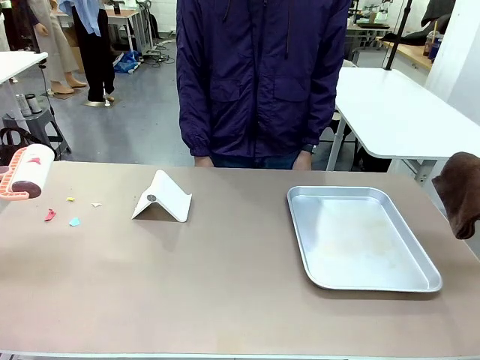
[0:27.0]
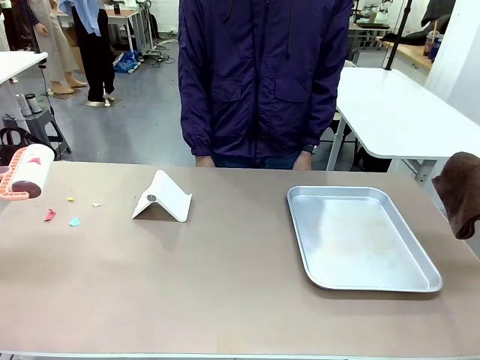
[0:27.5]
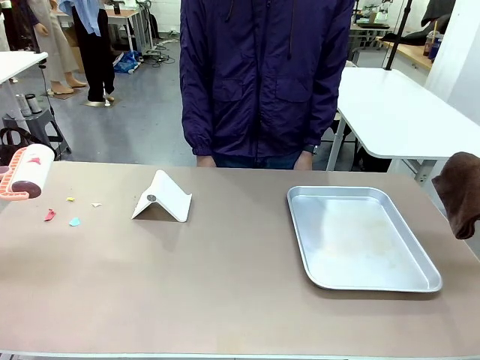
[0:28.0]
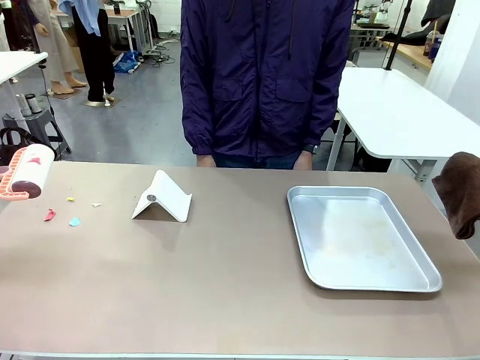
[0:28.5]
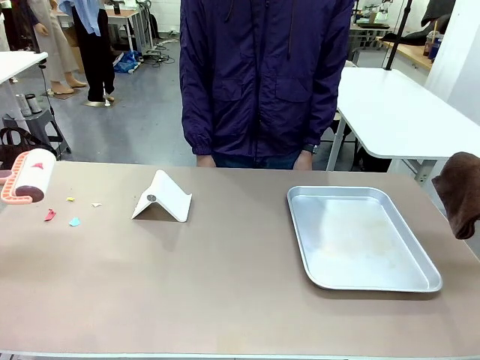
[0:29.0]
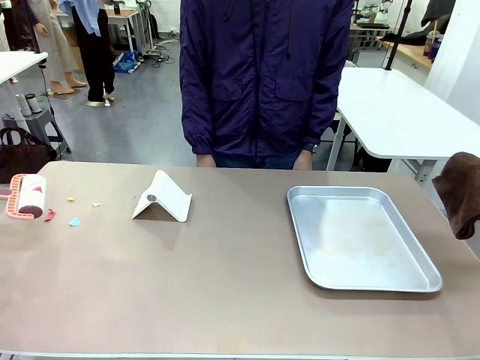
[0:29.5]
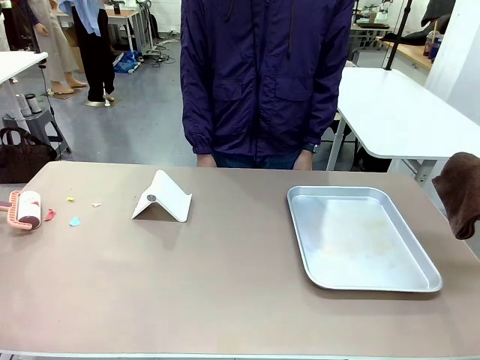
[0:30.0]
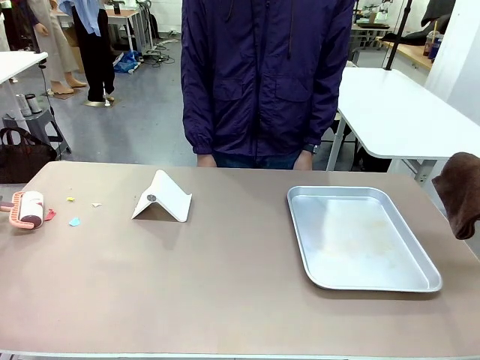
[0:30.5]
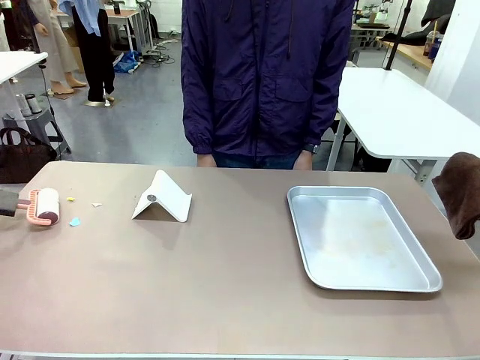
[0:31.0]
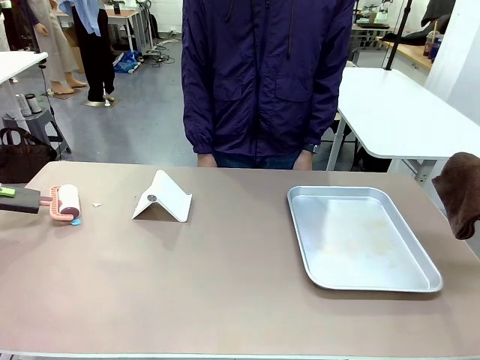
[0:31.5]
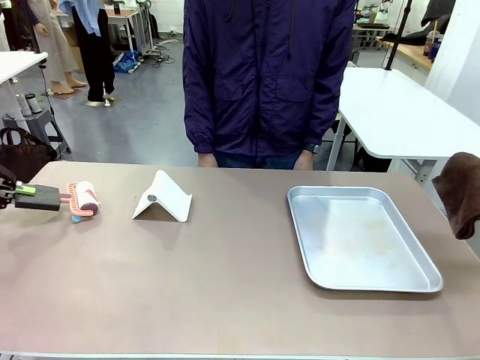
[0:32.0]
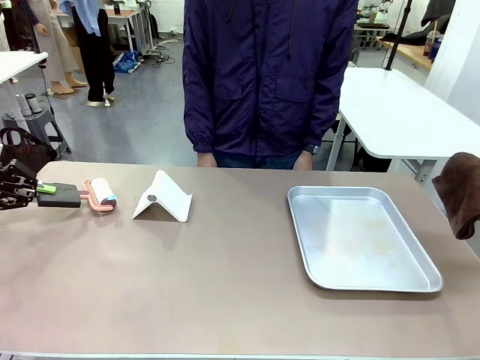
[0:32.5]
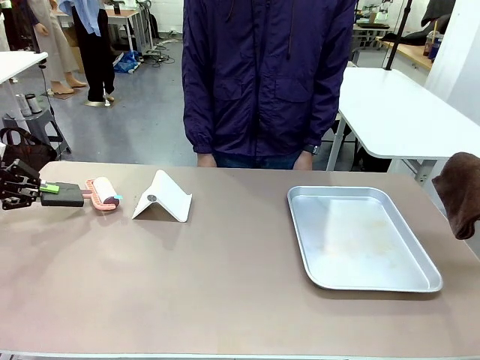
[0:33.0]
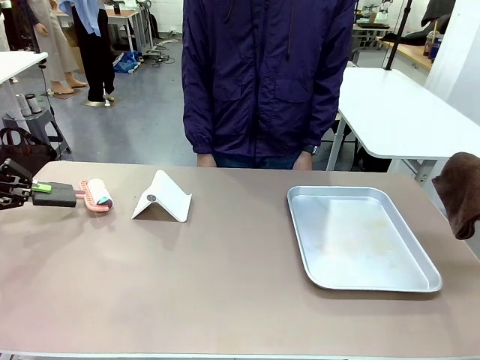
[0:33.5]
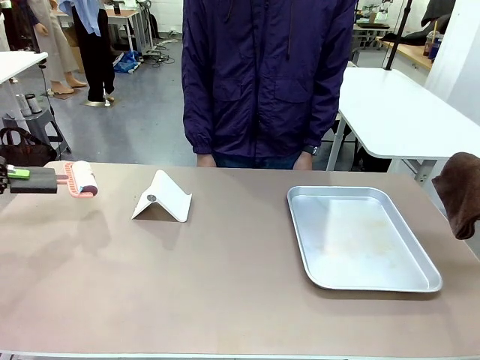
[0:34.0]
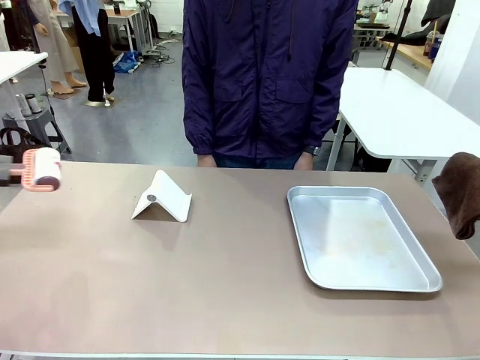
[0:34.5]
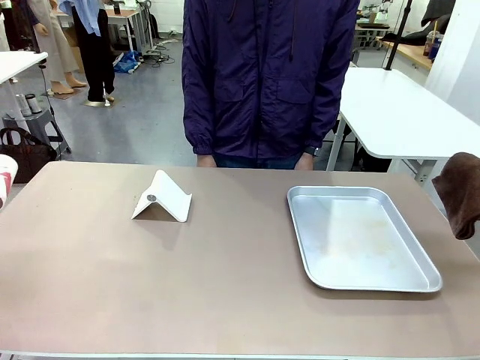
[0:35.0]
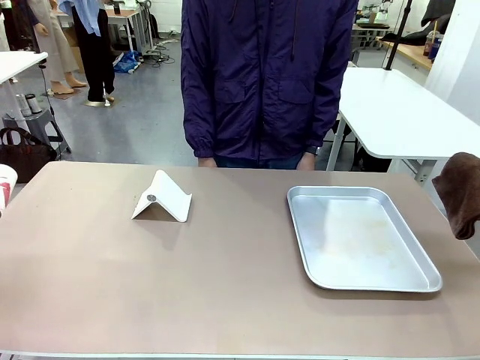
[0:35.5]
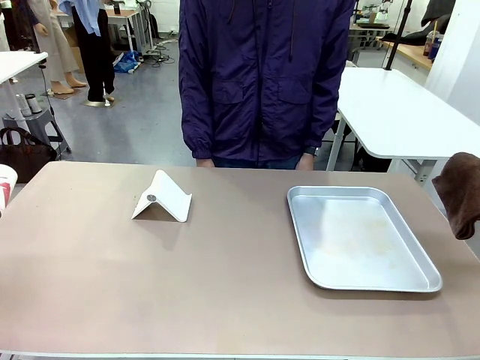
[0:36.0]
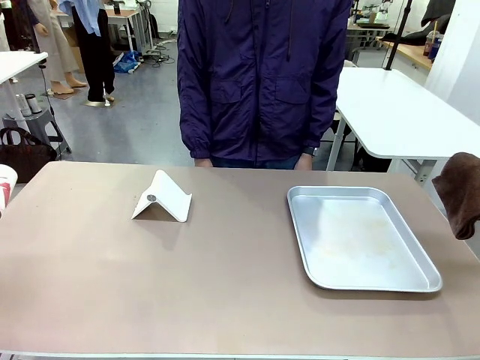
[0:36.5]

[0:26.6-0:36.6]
Task: Clean the surface of the table.
Robot: Clean the area not pointed to by the person.

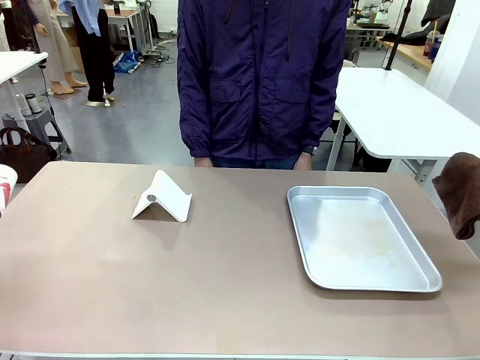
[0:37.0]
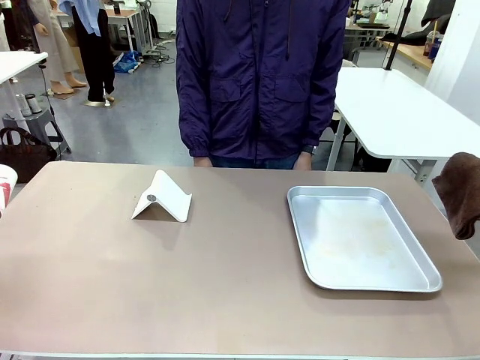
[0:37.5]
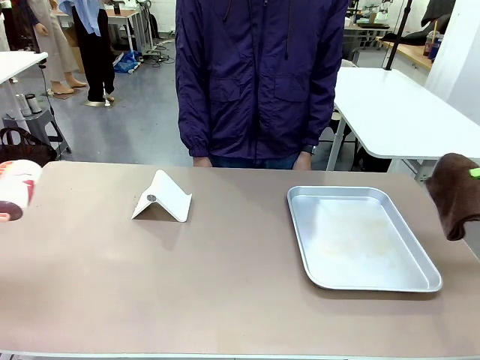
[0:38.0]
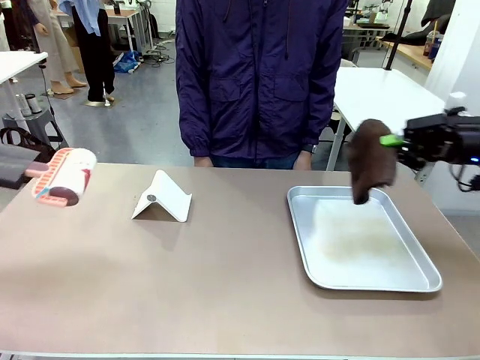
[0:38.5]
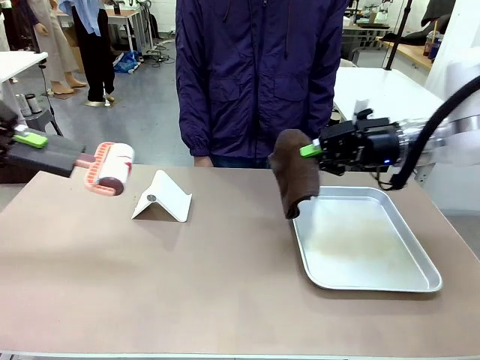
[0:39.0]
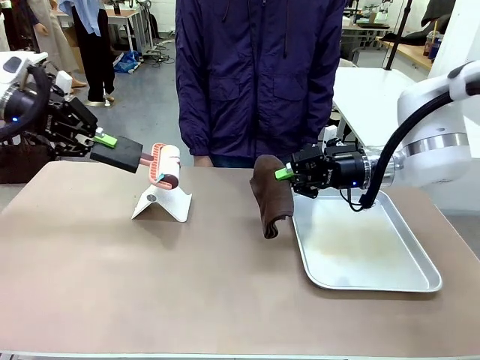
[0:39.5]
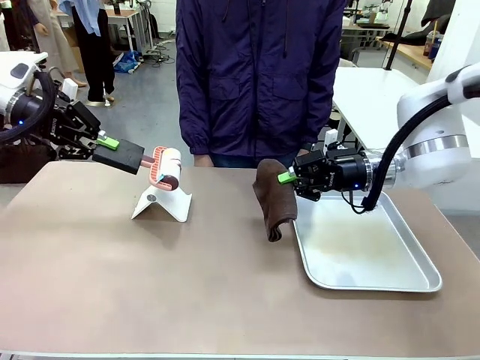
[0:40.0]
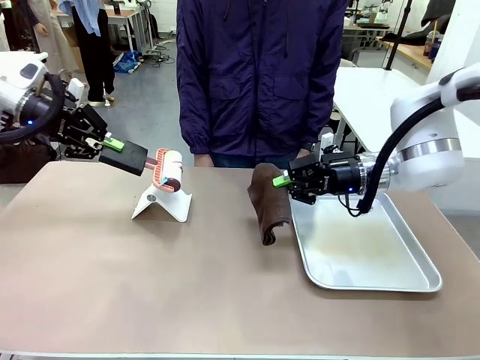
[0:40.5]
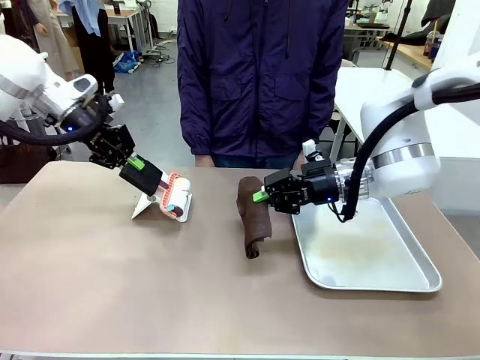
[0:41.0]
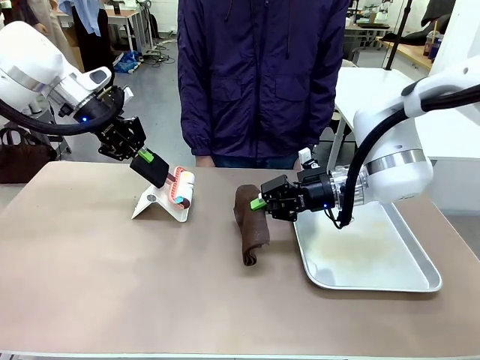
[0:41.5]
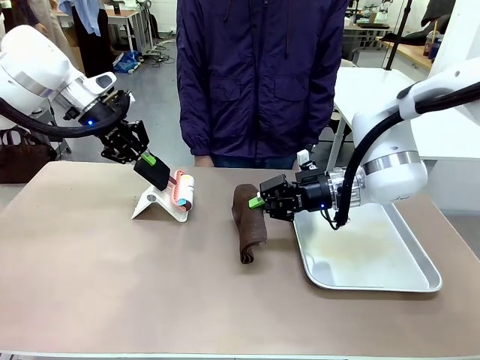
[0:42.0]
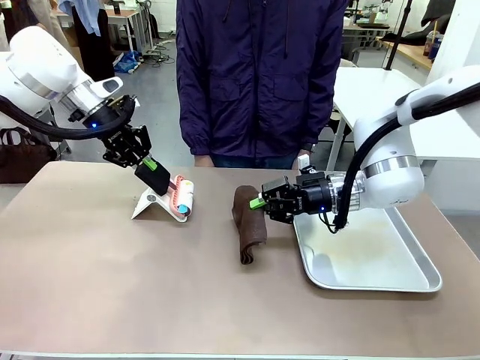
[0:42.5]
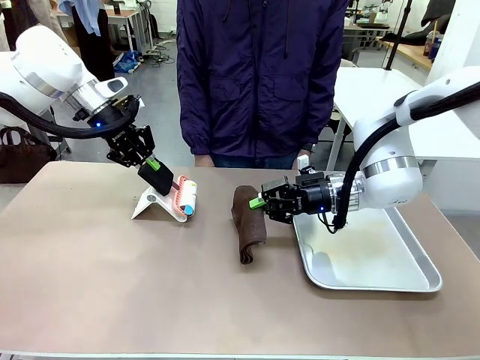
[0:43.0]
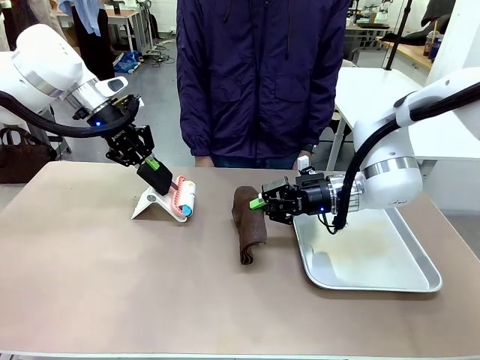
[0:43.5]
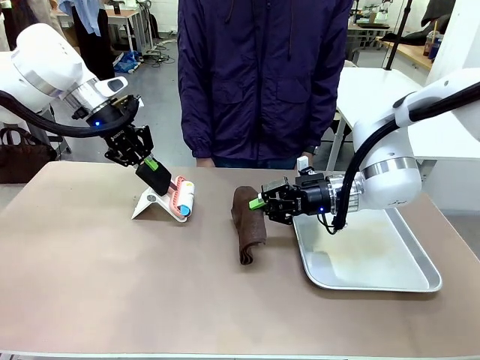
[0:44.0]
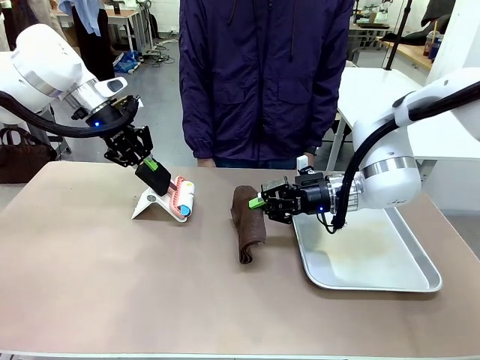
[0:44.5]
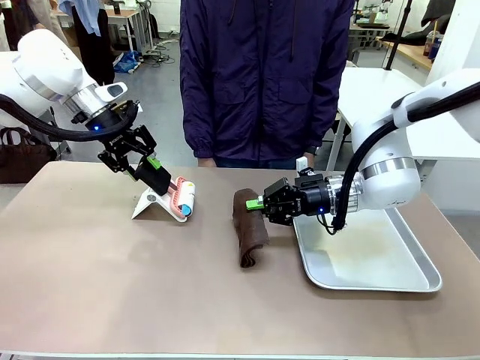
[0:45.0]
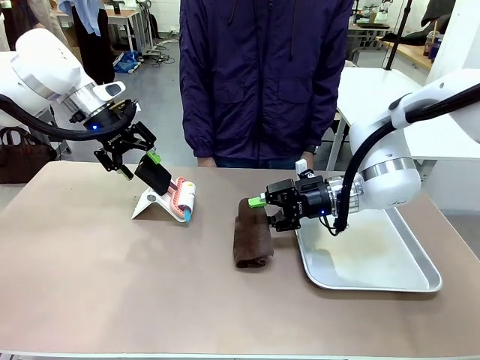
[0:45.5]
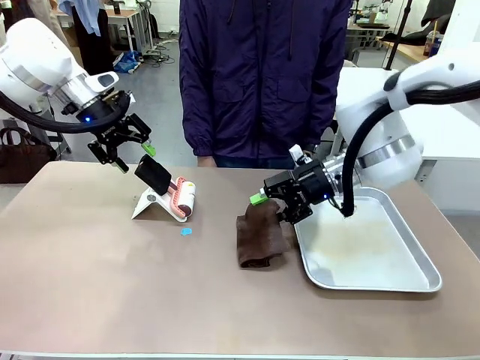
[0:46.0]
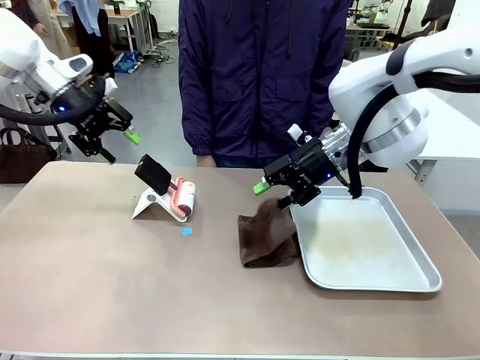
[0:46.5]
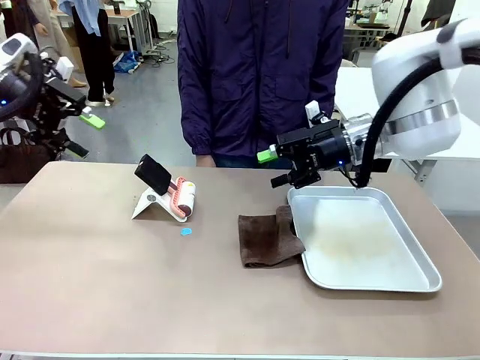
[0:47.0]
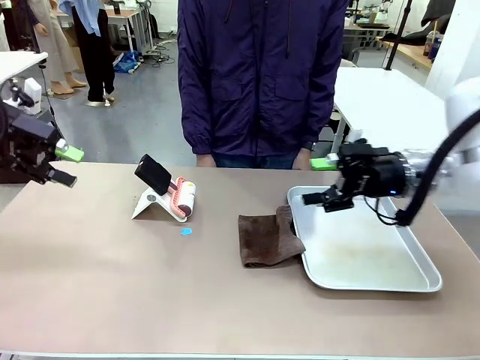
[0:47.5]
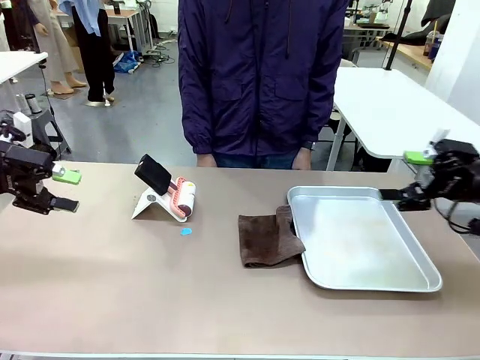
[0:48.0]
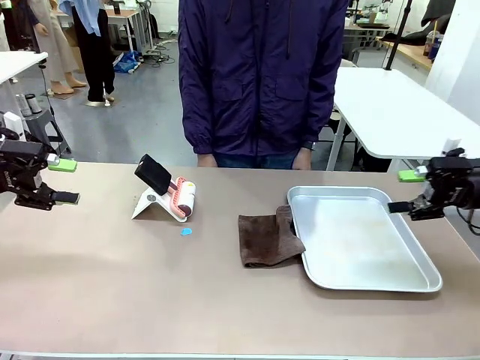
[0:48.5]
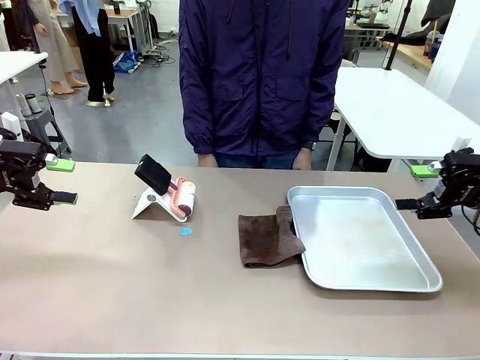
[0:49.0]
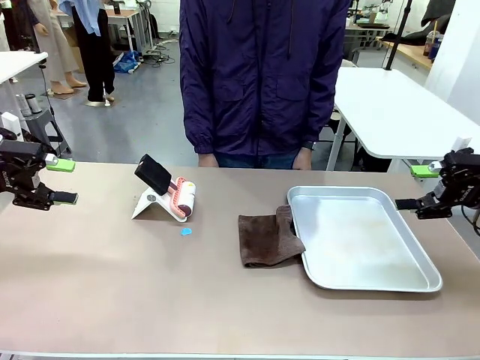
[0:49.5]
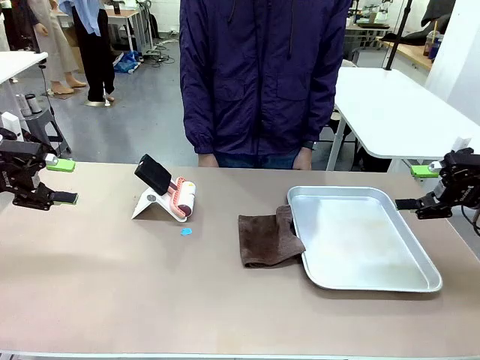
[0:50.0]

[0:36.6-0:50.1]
Robot: Return the Lint Roller and towel to their original positions.
